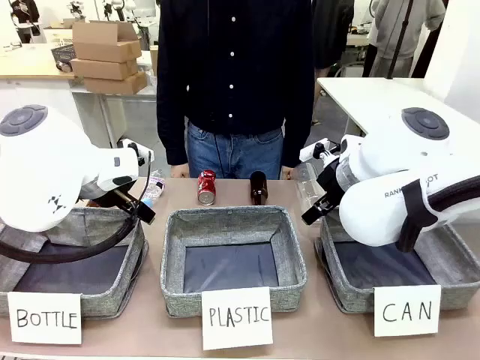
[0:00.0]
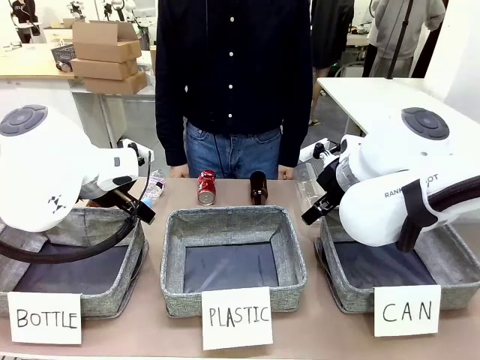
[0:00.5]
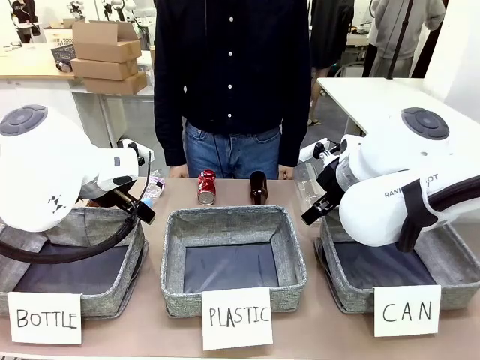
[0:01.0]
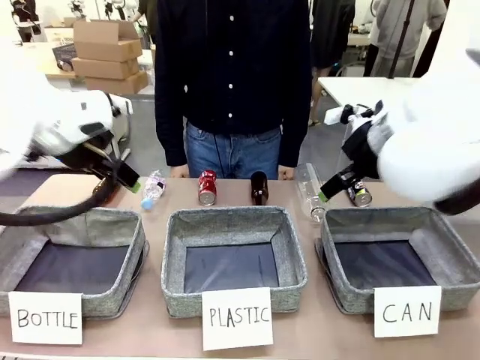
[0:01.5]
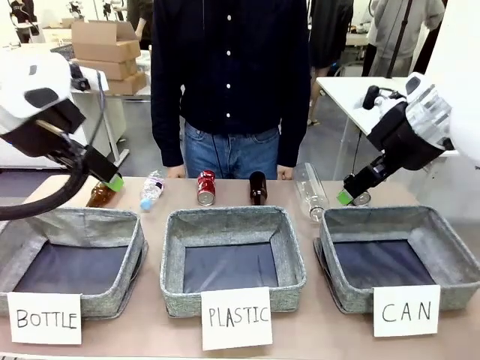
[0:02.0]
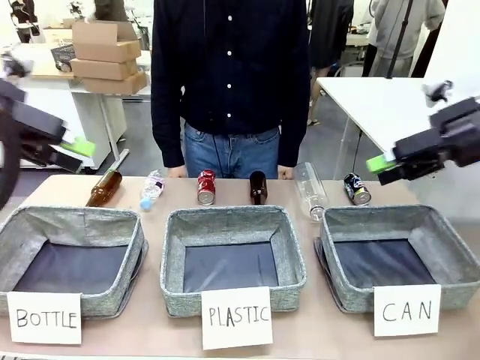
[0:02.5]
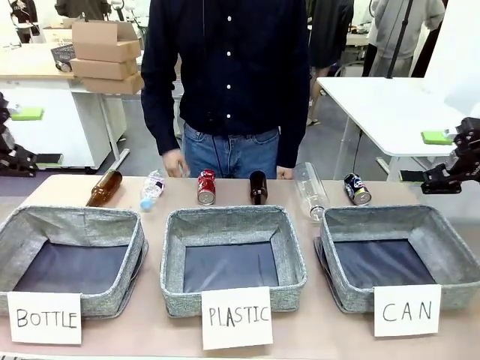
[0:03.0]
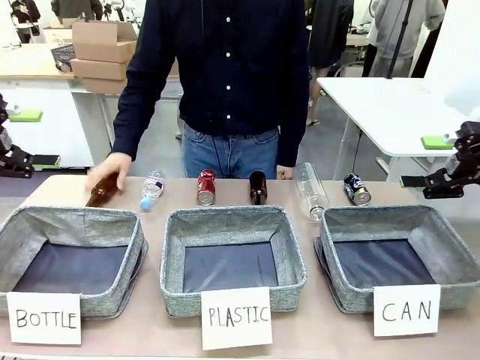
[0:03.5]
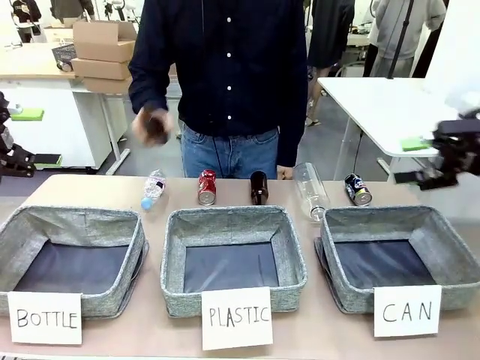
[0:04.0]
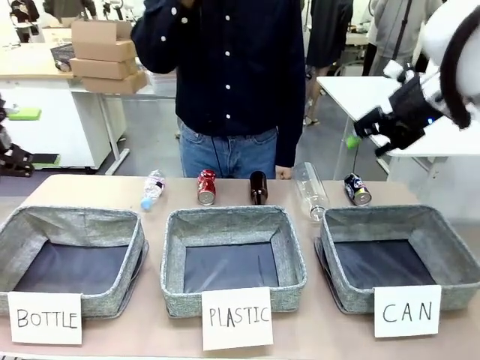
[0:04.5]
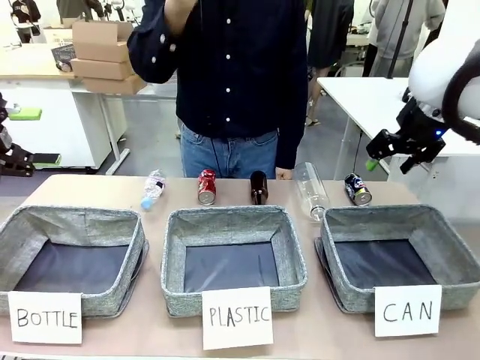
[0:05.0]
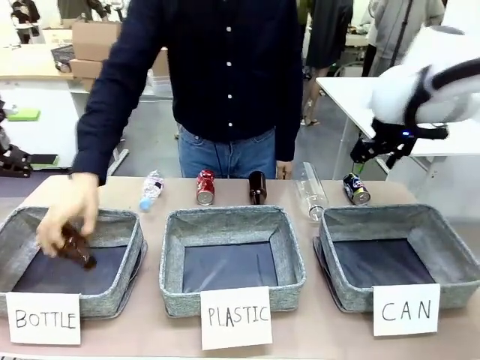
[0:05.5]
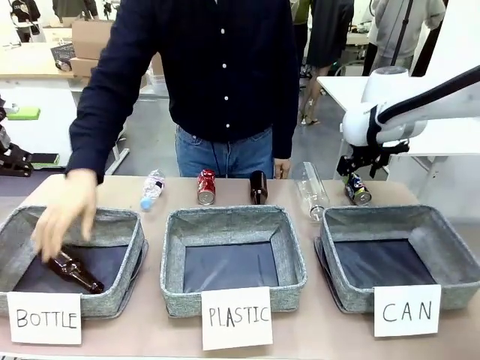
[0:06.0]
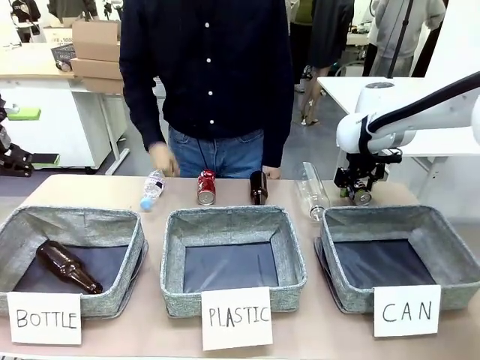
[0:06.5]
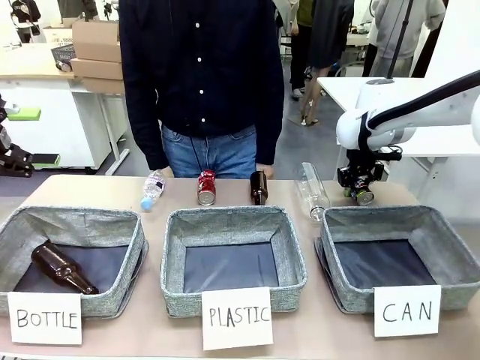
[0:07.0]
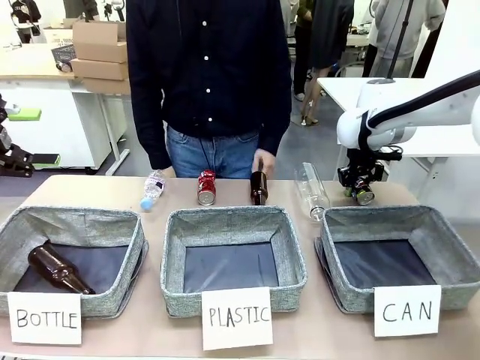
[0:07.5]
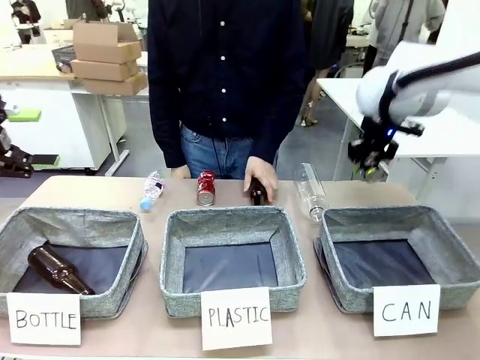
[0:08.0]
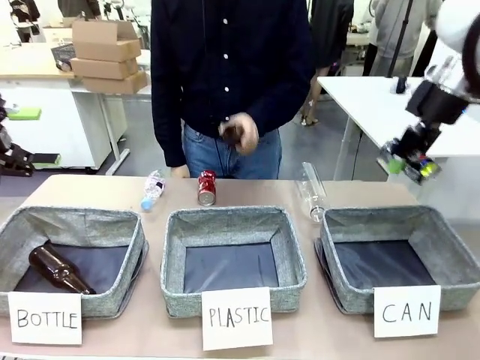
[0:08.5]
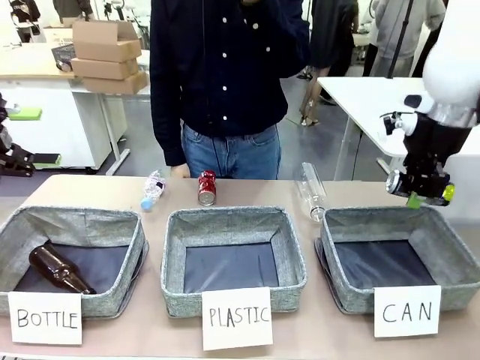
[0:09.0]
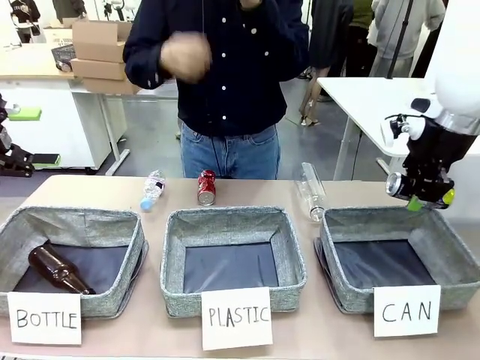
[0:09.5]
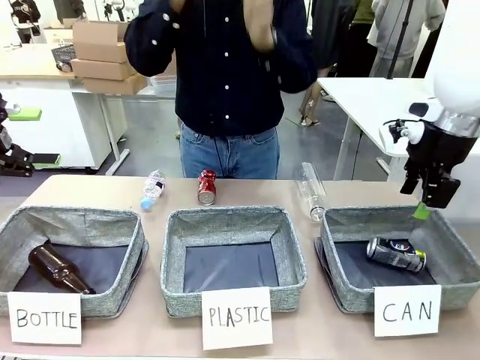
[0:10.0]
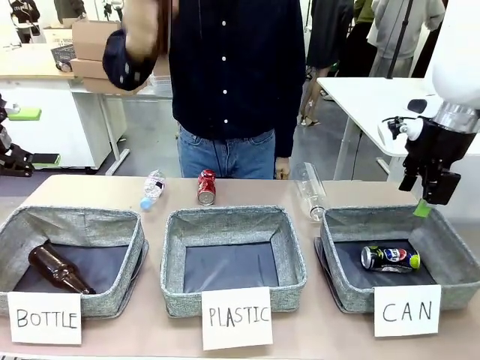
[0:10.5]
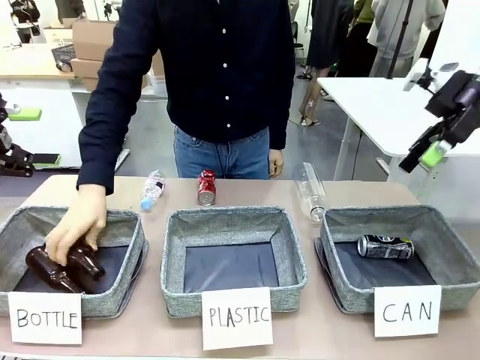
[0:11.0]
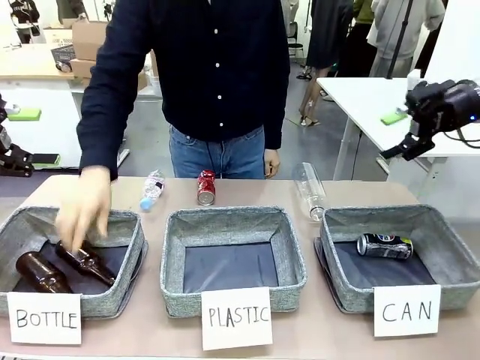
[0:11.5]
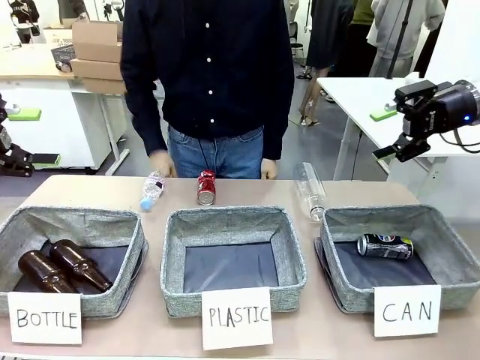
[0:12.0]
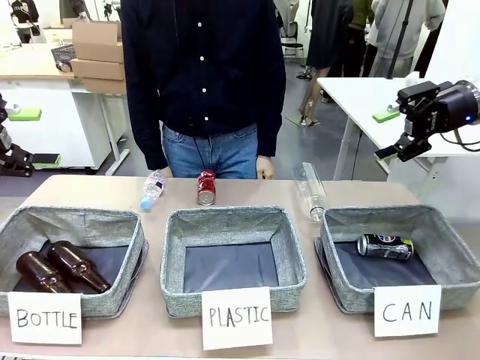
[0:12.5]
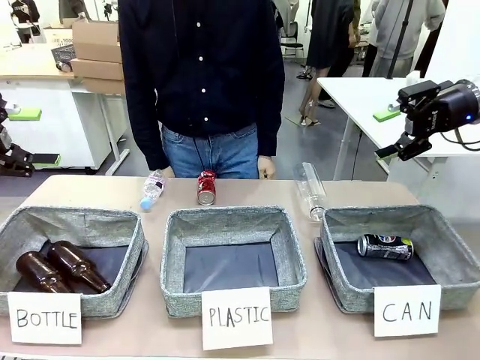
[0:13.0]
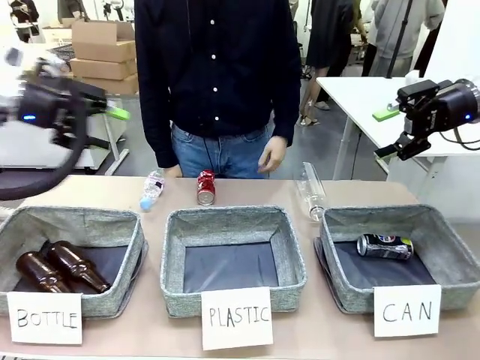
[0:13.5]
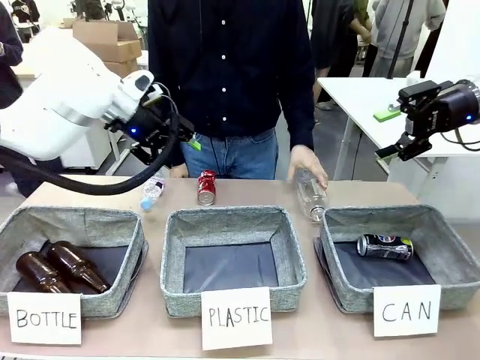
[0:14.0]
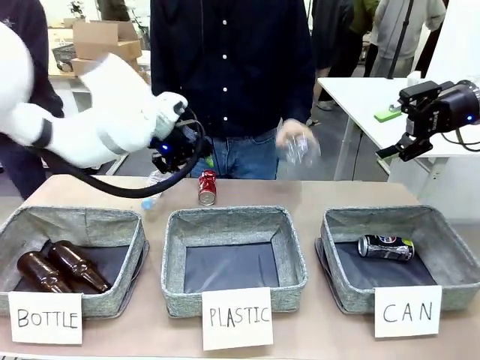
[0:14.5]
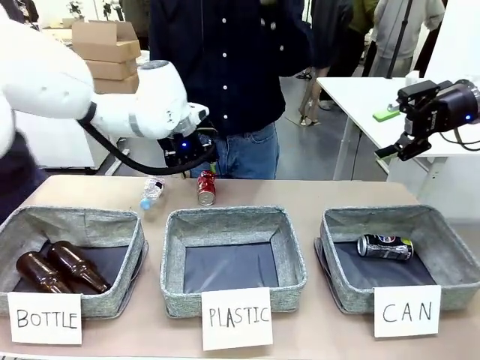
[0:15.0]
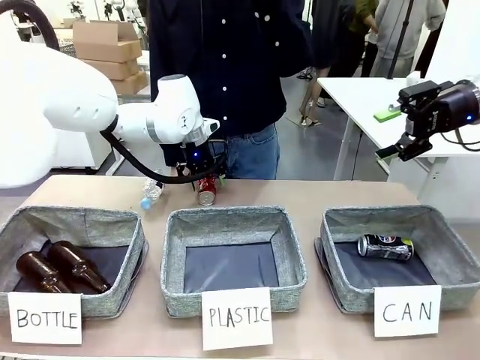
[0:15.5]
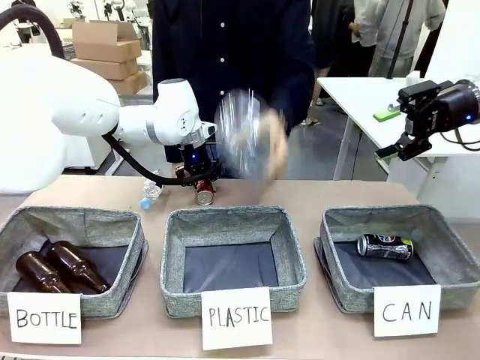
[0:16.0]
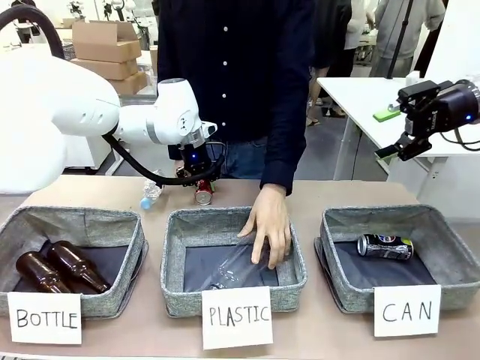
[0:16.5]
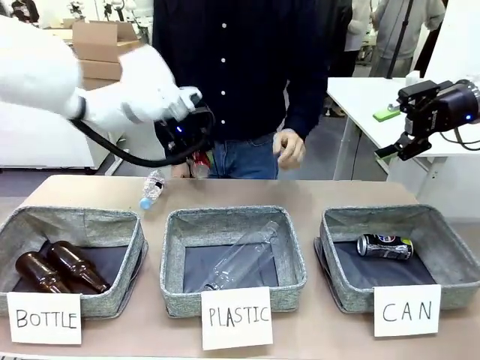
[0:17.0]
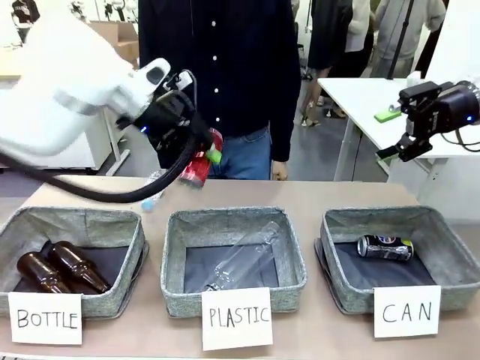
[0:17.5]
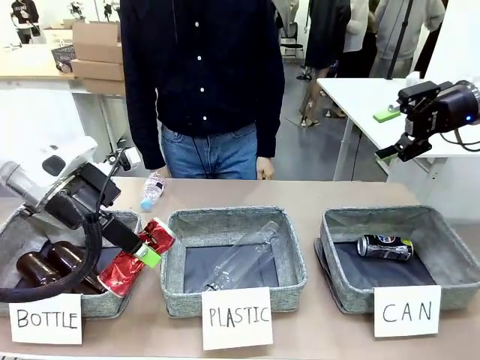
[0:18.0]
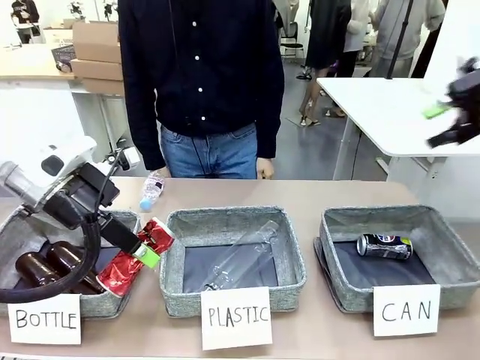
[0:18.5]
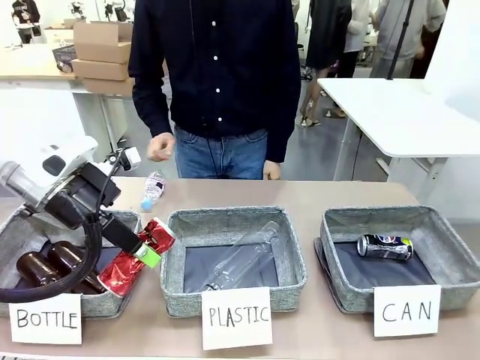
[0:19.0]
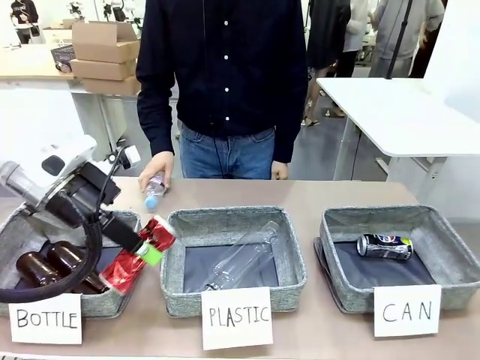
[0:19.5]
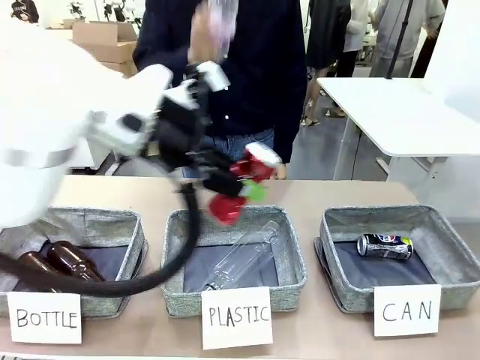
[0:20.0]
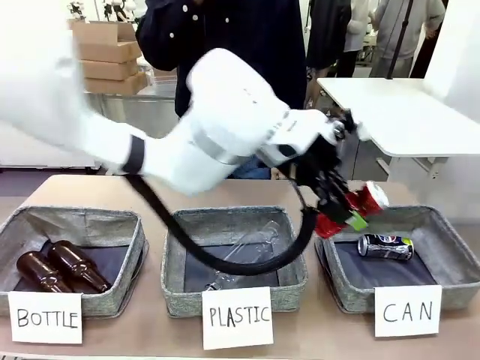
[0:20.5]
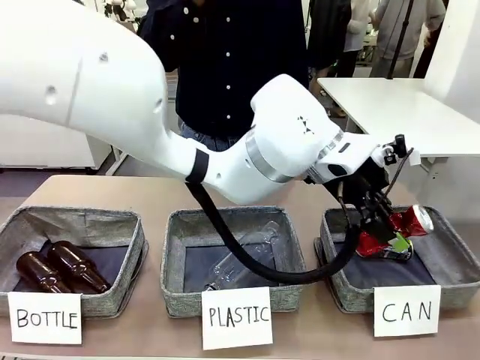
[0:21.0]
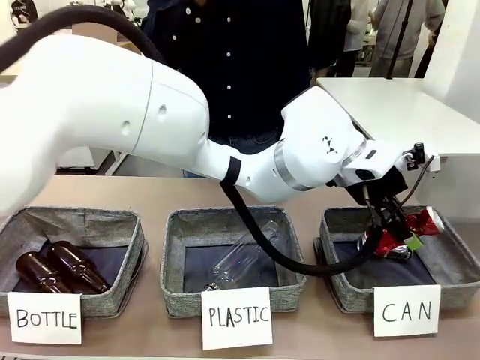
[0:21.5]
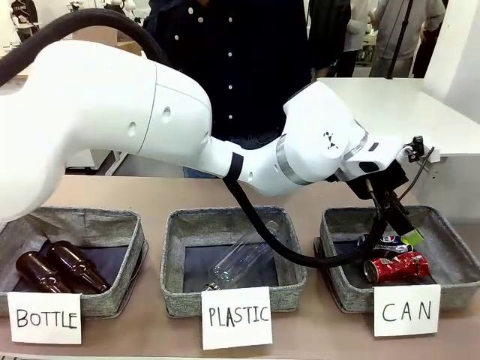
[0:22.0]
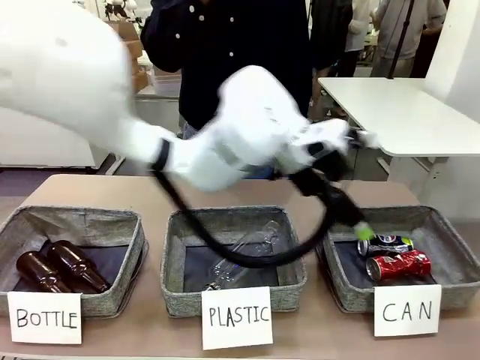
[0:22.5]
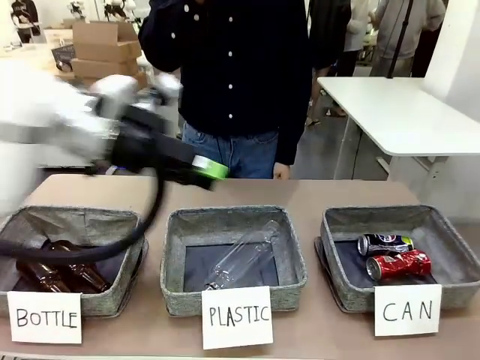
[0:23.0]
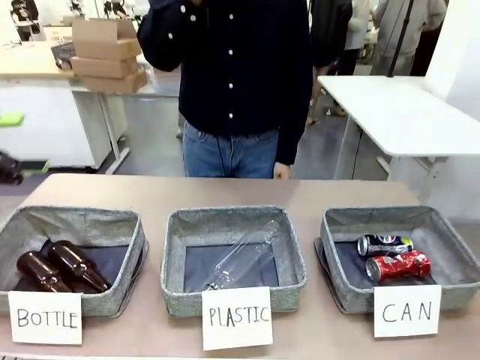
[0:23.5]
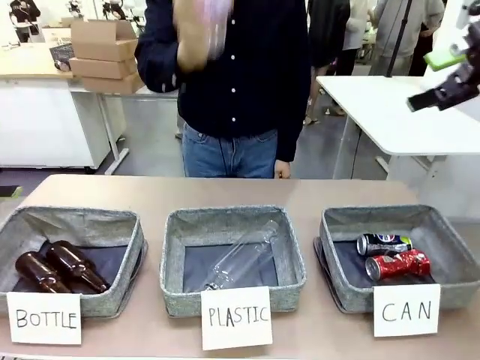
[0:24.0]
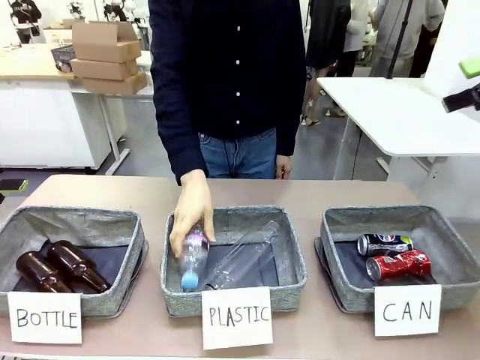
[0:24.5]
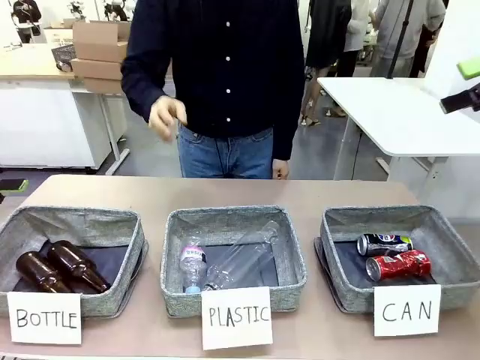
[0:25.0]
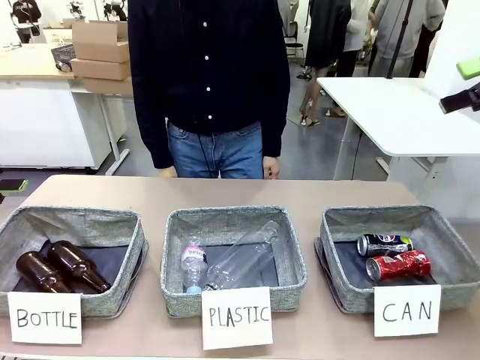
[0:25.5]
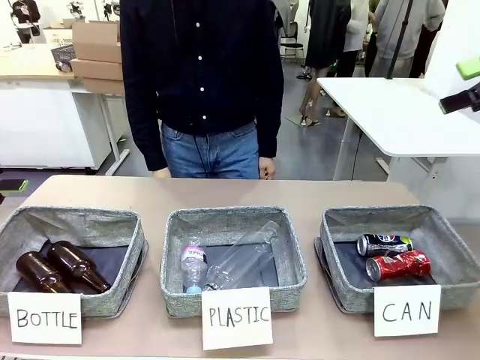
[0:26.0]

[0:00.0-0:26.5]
Task: Sort the can waste into the basket.
Robot: Pick up the can waste from the table and place it in the right Fabric basket.
Person: The human picks up one piece of trash that is not a can and places the trash into the appropriate organizing basket.
